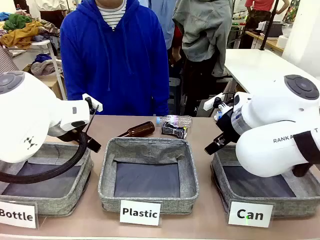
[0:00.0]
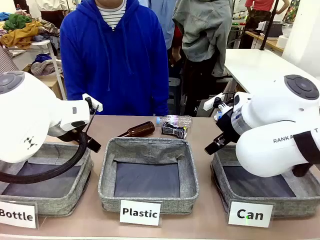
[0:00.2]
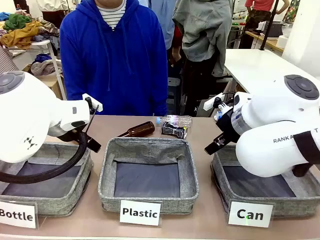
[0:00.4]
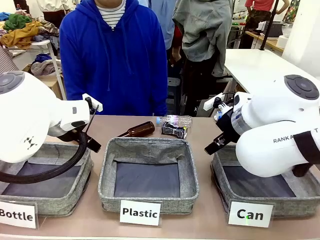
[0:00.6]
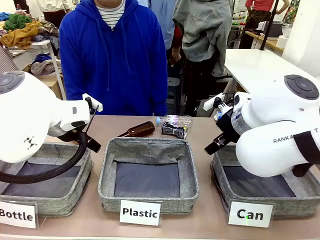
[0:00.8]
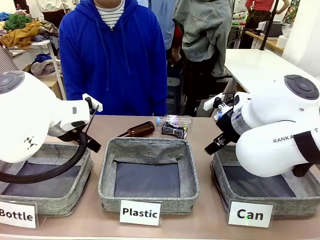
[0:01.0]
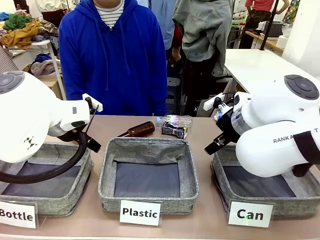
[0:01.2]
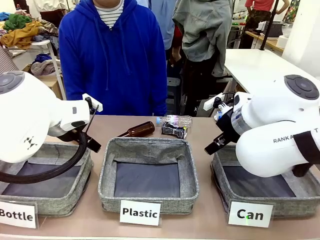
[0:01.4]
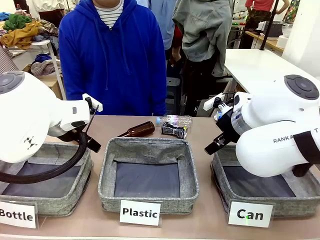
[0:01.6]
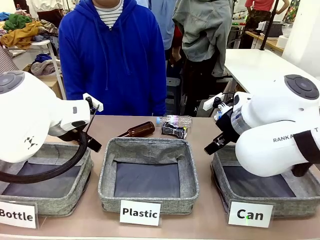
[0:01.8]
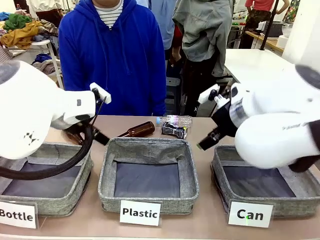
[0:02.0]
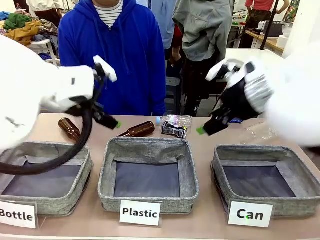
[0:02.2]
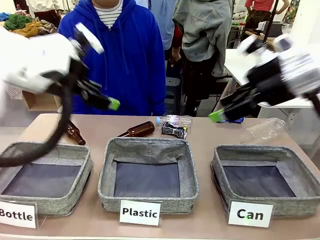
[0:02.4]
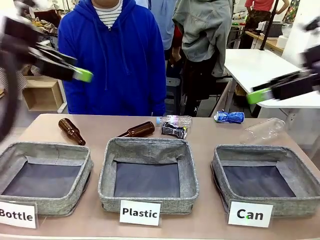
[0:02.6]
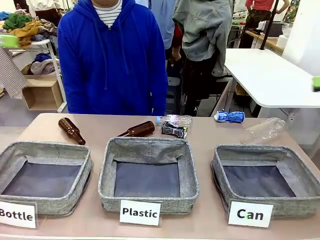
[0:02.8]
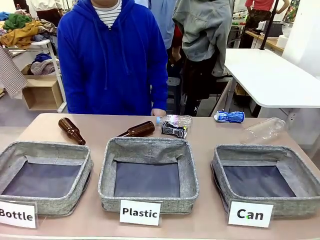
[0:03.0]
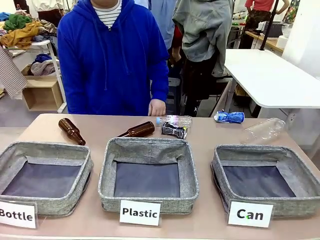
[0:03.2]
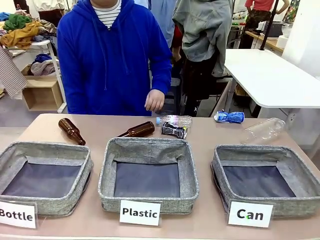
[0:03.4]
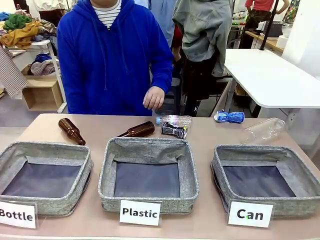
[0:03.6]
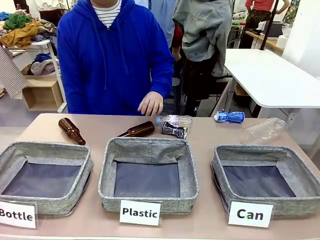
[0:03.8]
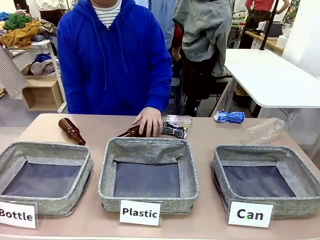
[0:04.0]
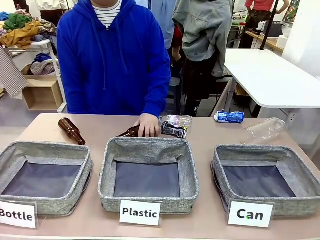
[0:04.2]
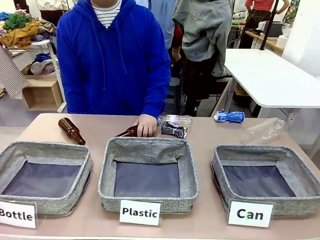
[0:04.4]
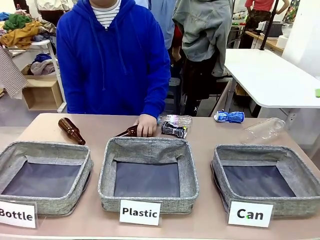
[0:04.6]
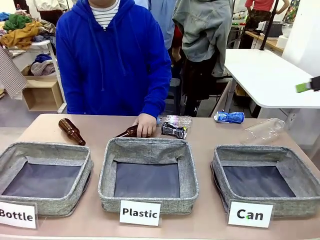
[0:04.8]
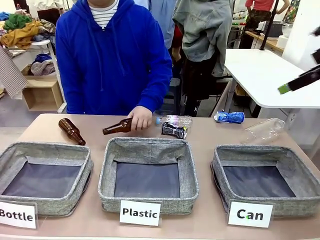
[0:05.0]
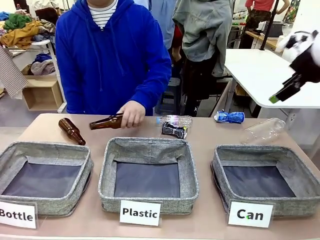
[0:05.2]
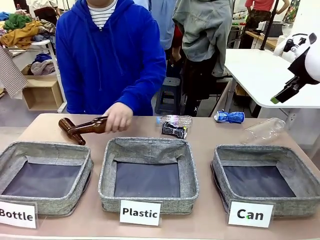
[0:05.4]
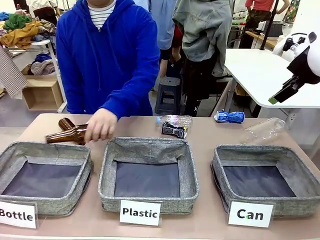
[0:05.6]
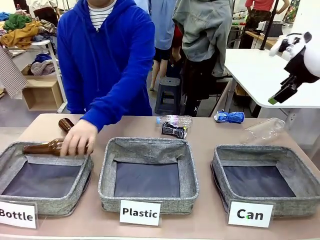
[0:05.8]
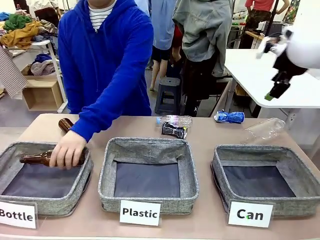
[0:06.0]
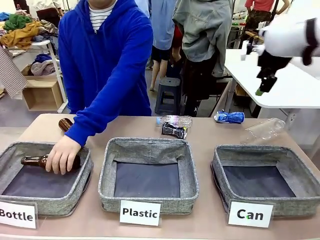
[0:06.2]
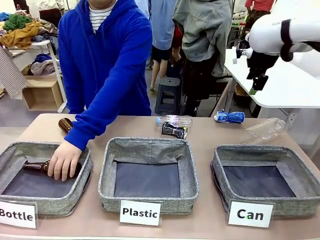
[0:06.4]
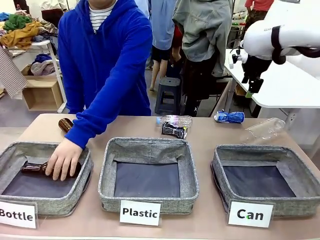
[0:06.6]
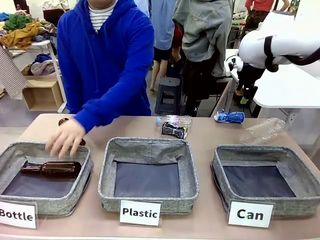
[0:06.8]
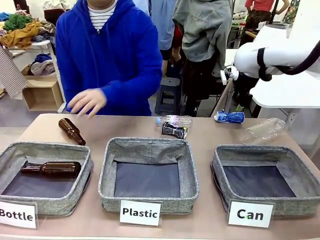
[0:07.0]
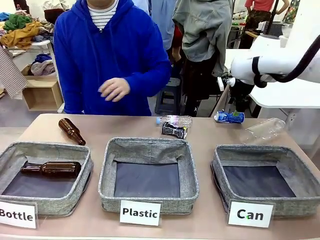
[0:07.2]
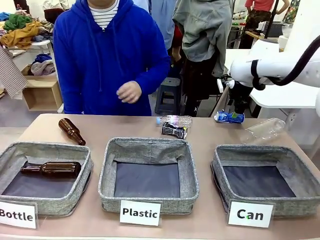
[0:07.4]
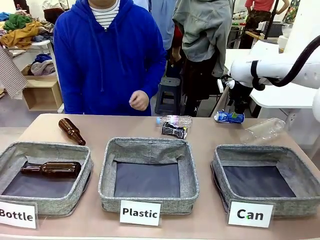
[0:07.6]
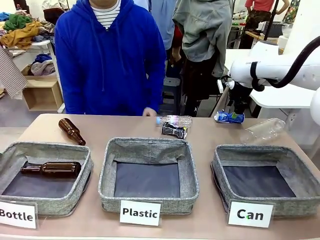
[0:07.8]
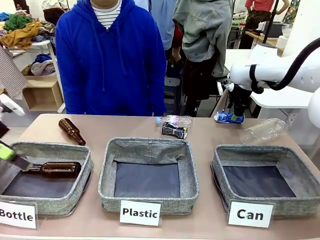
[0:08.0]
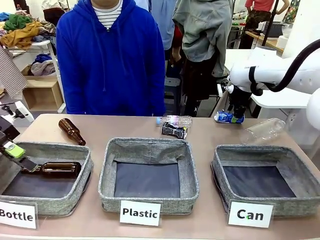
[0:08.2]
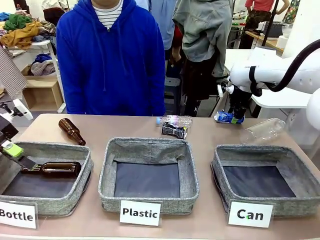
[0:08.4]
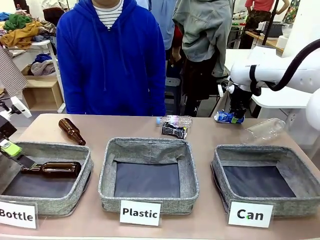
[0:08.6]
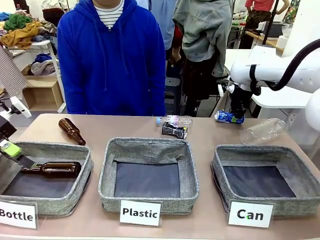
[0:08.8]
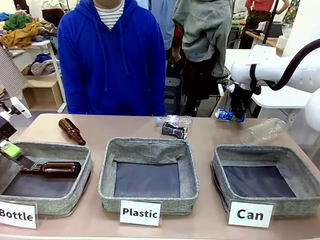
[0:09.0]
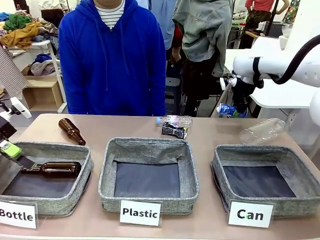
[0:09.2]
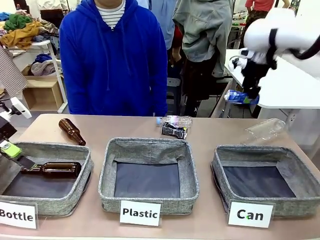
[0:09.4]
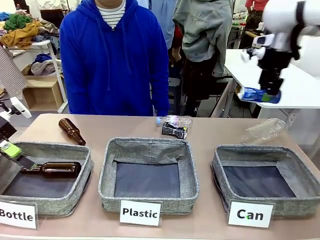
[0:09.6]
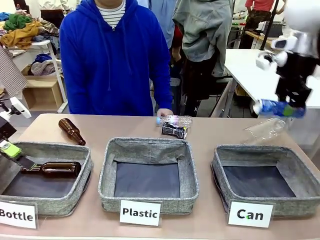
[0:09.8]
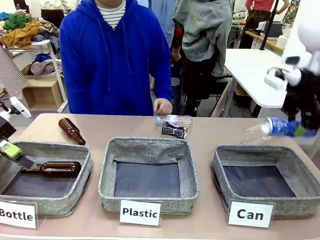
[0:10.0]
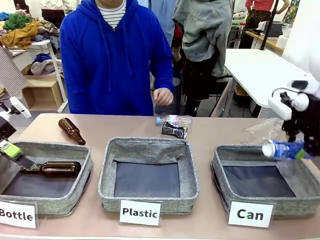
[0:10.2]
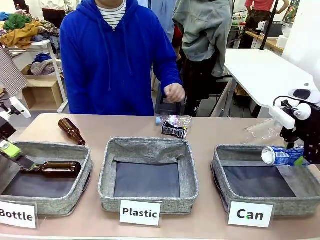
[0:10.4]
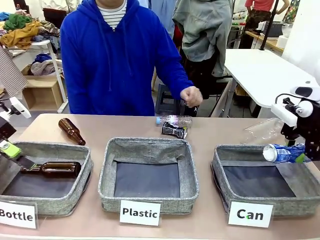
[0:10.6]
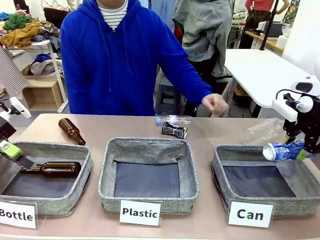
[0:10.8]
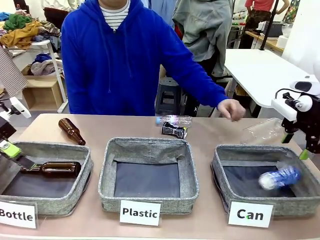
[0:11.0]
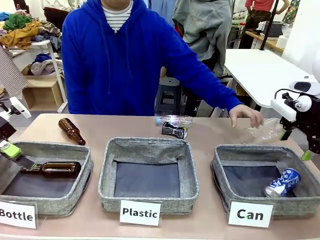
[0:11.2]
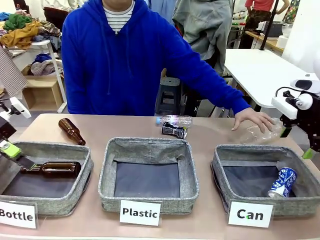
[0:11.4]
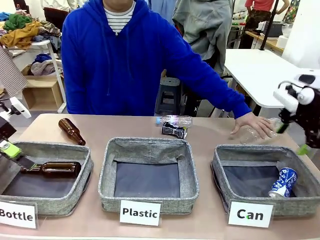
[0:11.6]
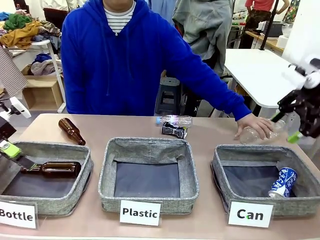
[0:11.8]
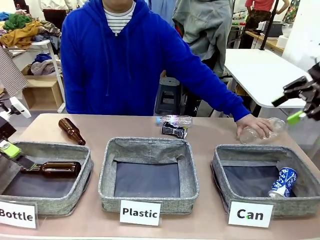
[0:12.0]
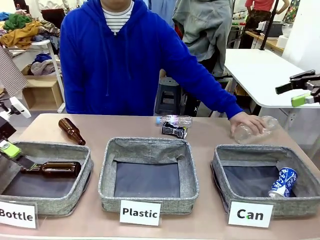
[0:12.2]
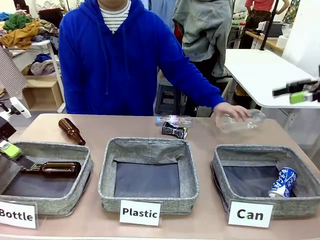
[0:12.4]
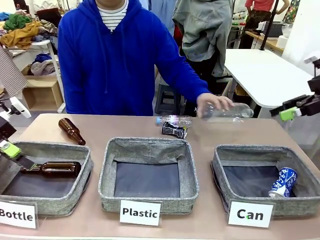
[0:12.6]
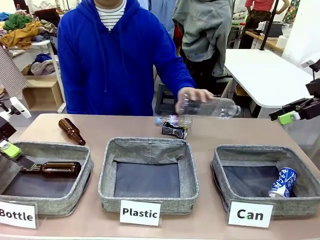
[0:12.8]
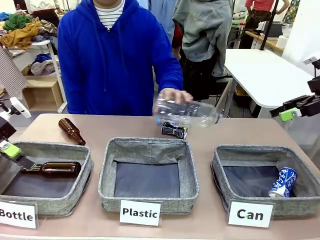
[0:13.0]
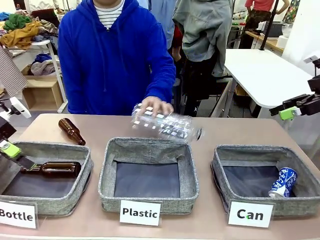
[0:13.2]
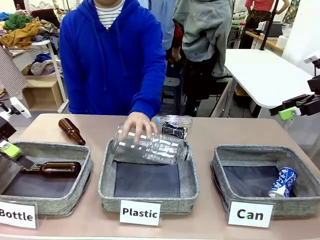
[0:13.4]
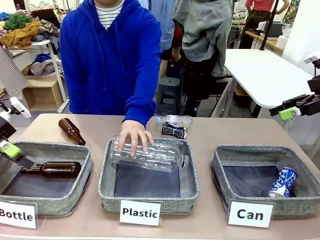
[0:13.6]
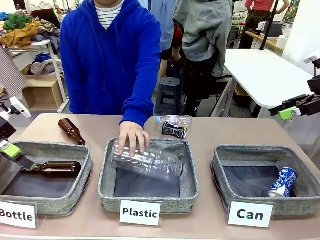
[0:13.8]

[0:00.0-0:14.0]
Task: Sort the can waste into the basket.
Robot: Pick up the can waste from the table and place it in the right Fabric basket.
